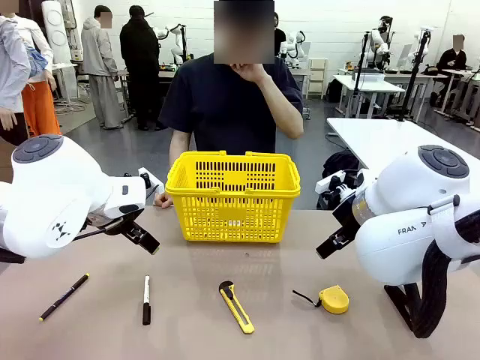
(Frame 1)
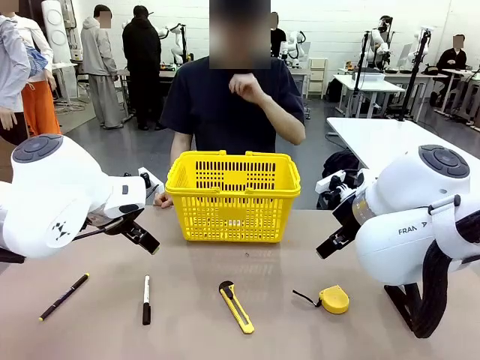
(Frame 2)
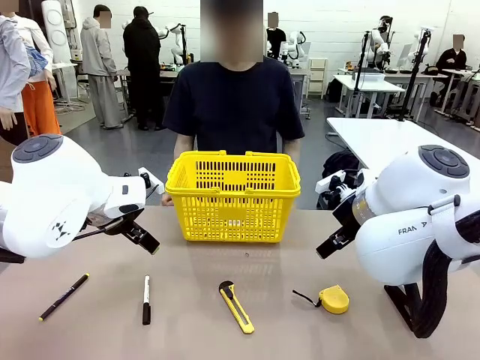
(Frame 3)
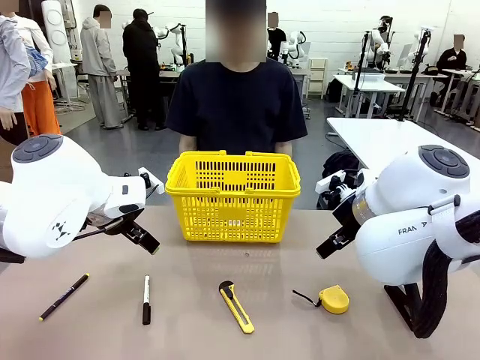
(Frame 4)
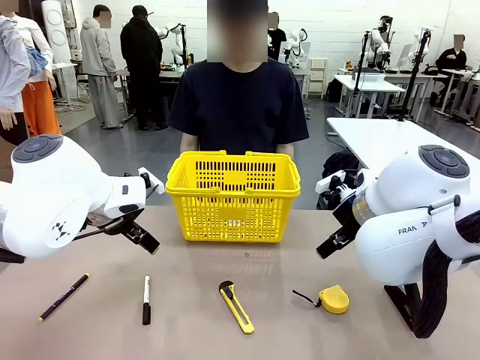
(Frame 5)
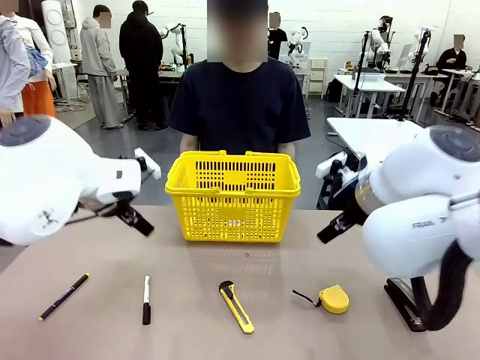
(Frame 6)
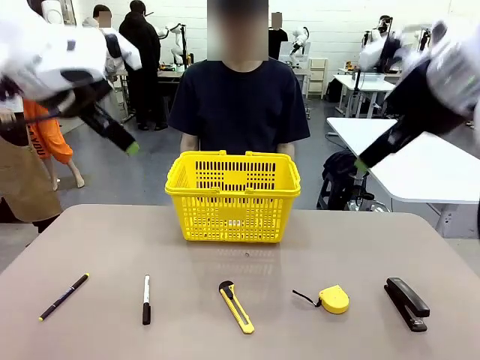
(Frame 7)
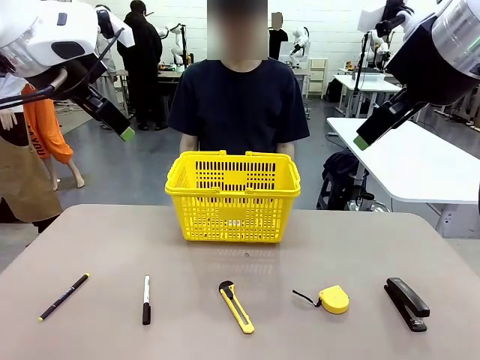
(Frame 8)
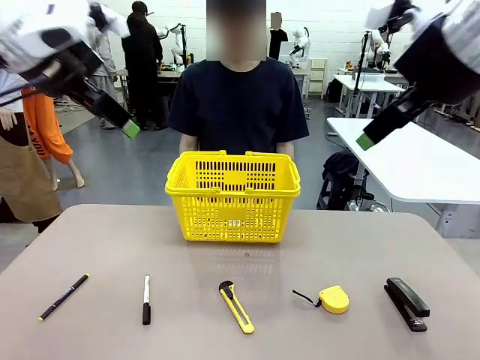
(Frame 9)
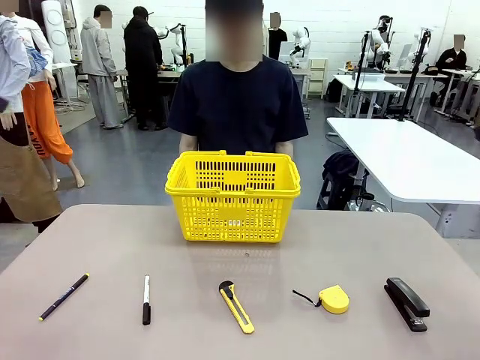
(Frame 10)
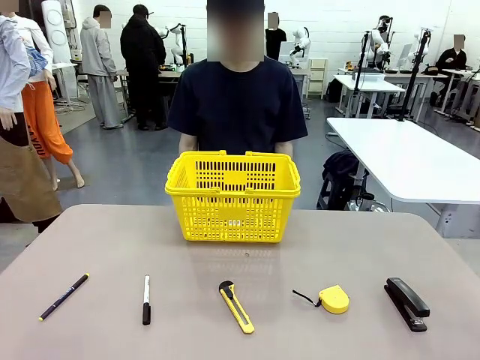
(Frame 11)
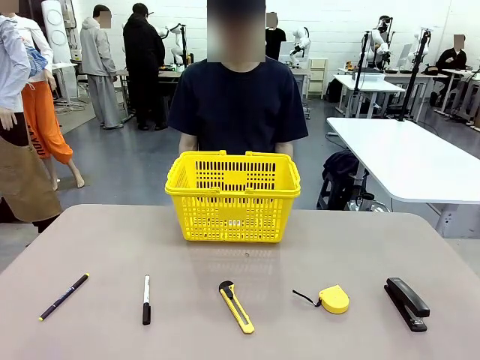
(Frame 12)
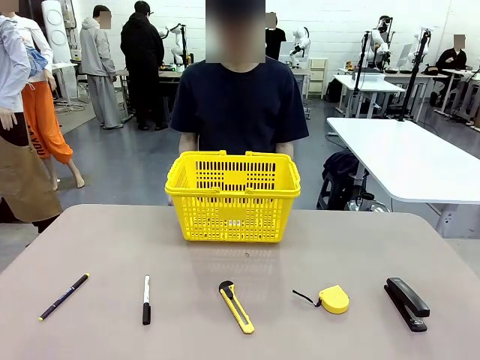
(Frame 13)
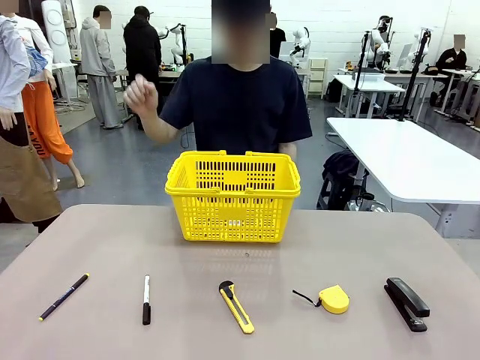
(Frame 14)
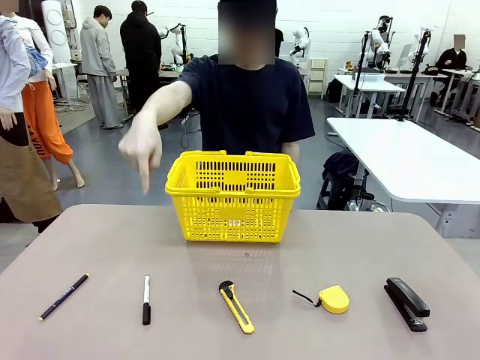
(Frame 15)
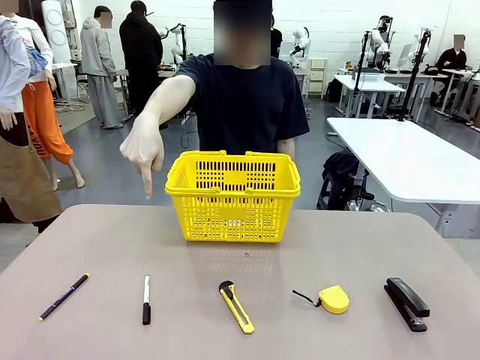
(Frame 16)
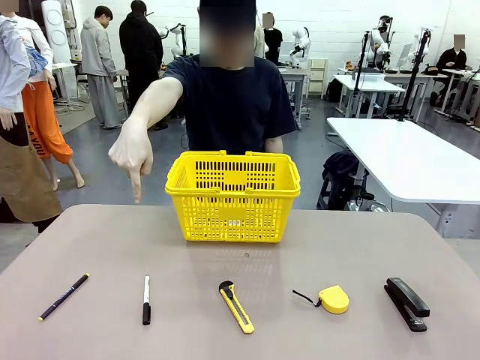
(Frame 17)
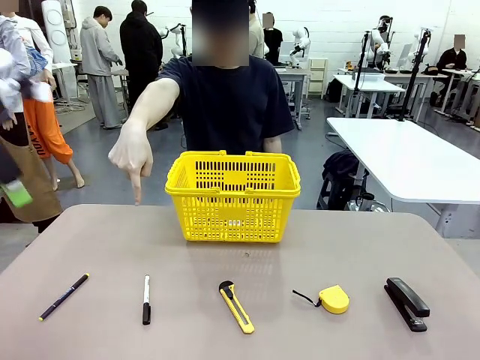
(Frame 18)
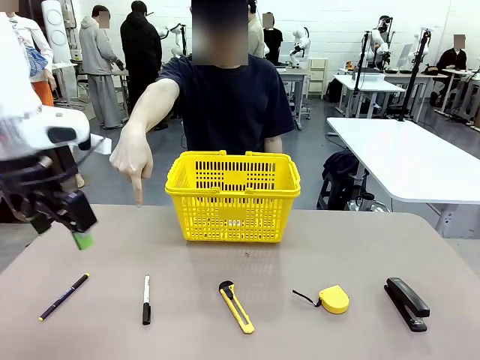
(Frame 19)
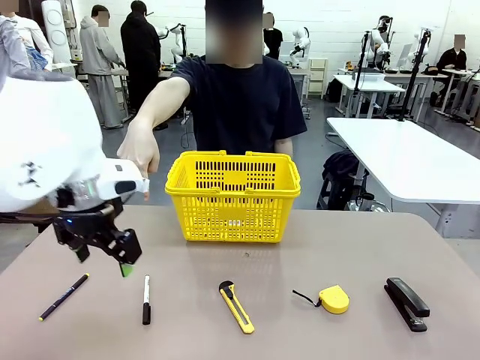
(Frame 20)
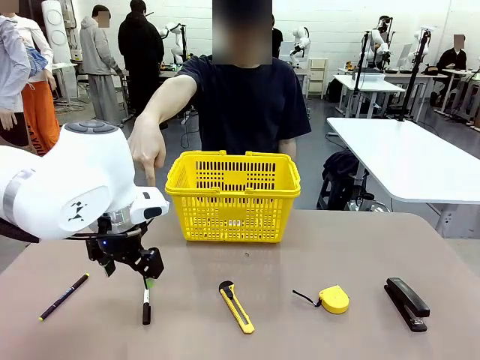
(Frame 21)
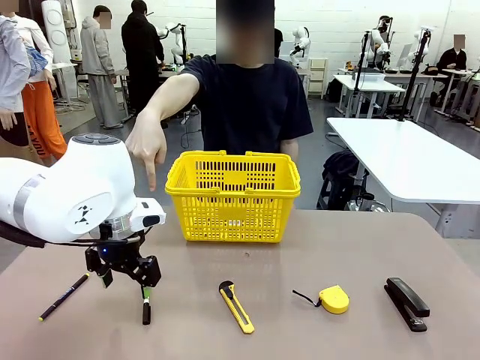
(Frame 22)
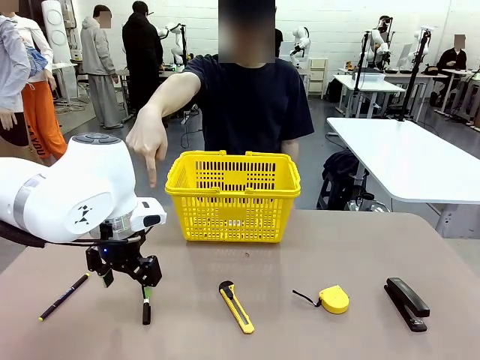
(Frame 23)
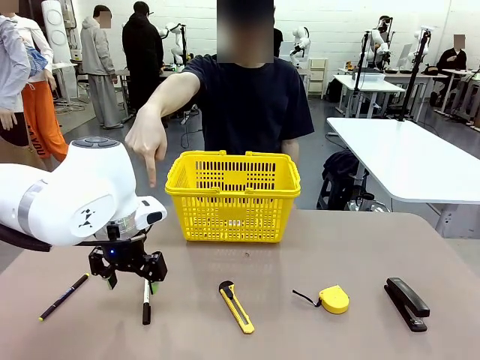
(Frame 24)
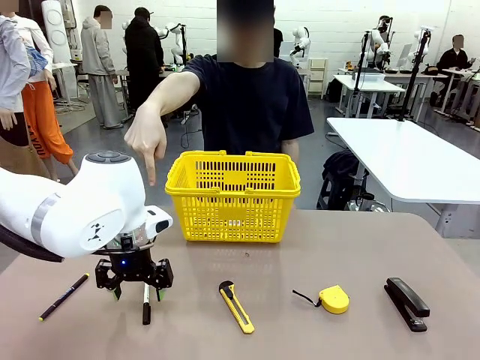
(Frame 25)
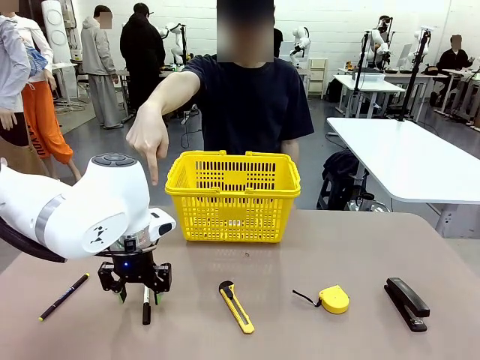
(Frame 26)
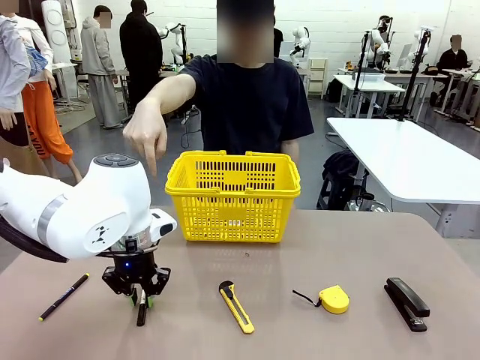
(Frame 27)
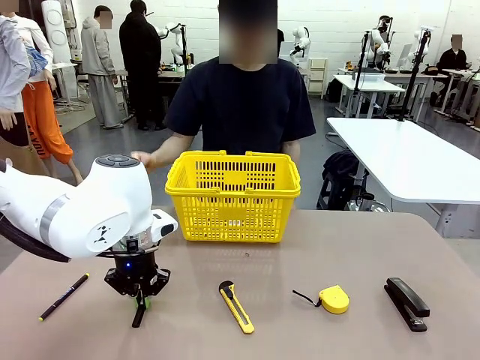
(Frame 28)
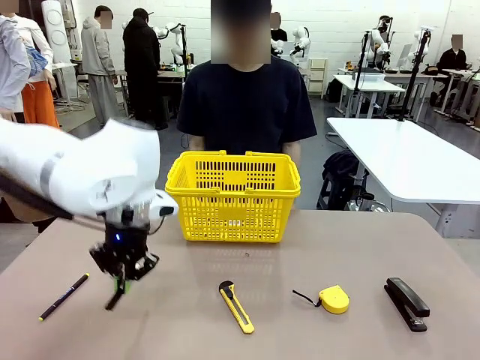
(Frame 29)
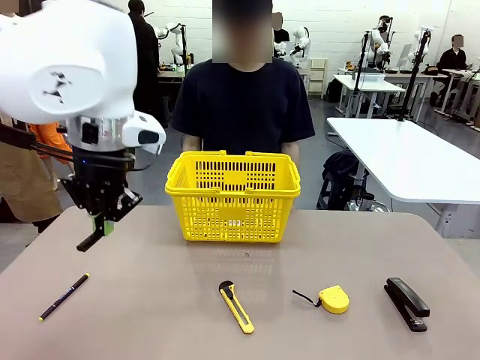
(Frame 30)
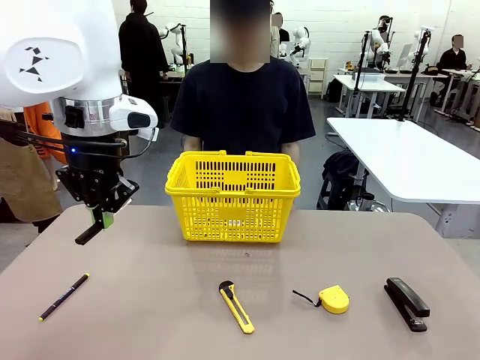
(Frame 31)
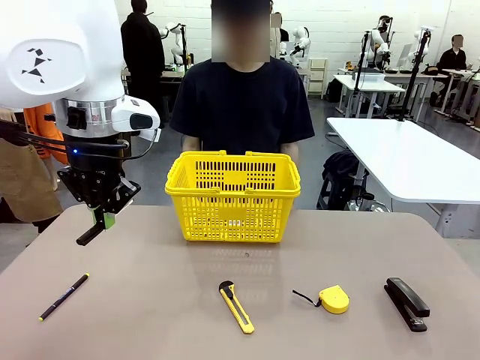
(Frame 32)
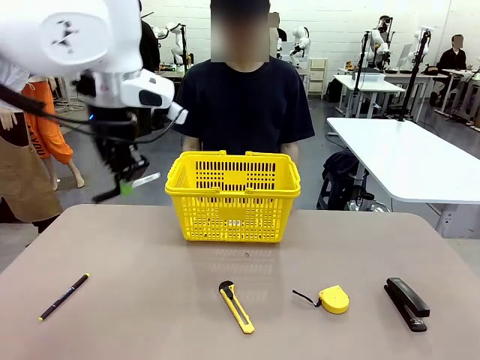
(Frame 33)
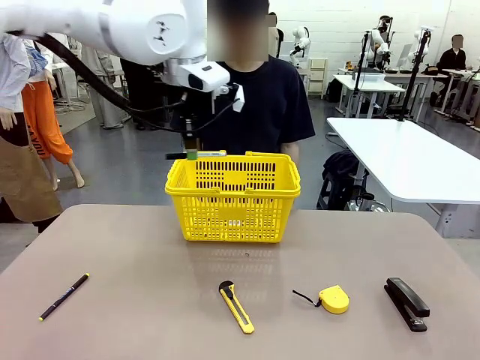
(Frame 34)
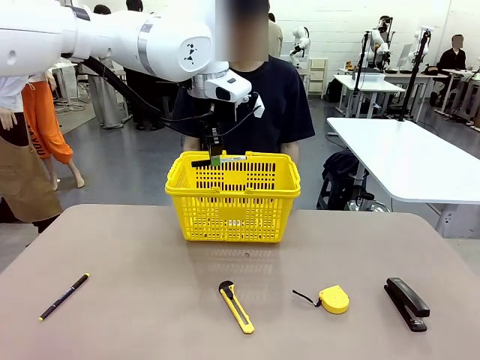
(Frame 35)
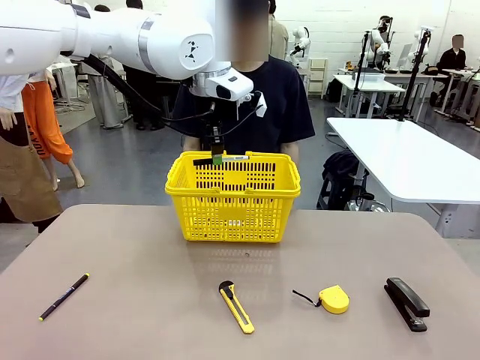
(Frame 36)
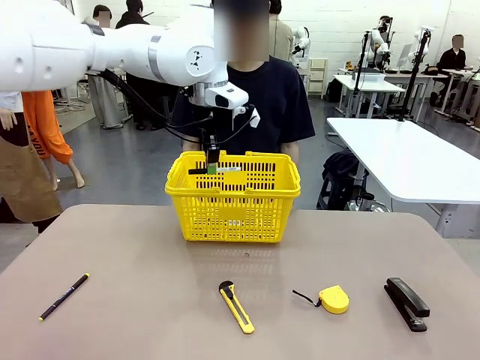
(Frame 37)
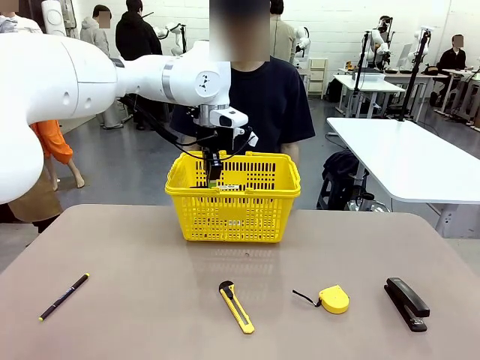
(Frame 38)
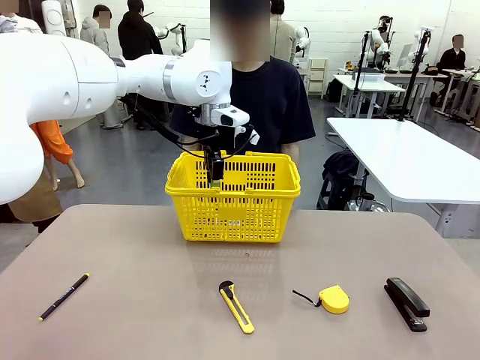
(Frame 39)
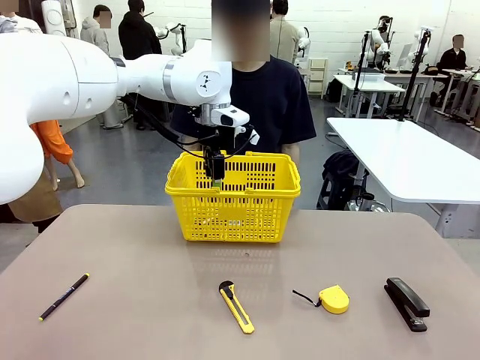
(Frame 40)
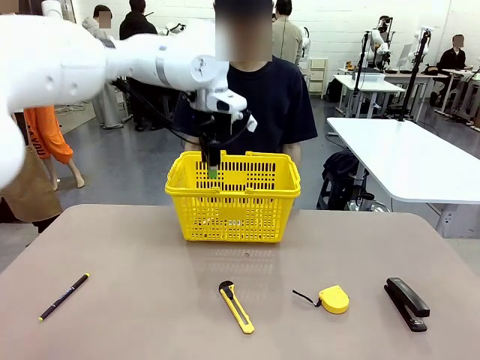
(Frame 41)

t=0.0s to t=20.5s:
Task: Place the items the person wants into the basket.
Robot: Pick up the item the person points to and place it in the Market Basket.
